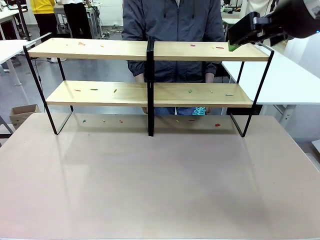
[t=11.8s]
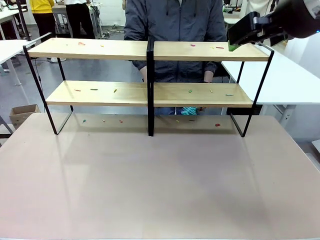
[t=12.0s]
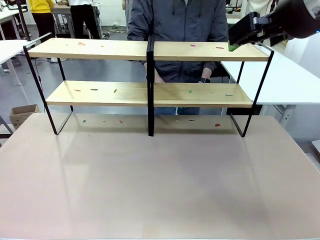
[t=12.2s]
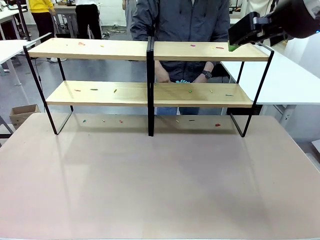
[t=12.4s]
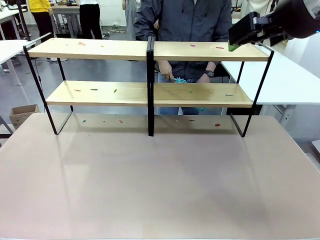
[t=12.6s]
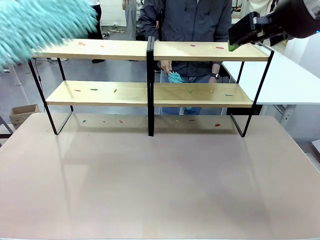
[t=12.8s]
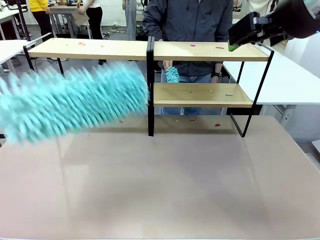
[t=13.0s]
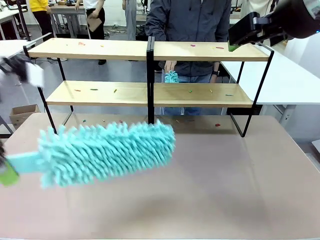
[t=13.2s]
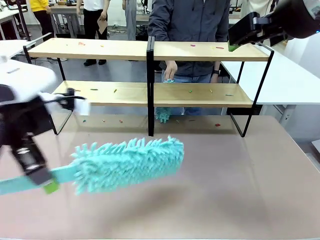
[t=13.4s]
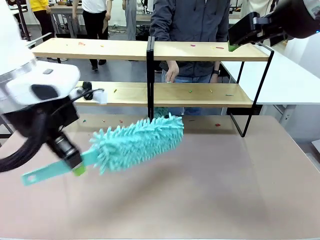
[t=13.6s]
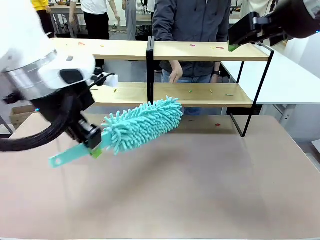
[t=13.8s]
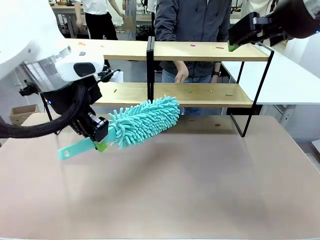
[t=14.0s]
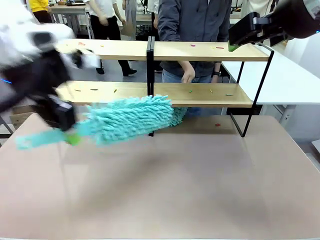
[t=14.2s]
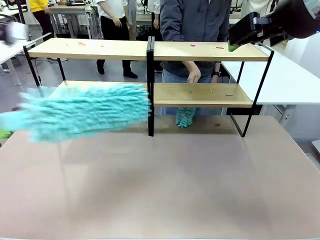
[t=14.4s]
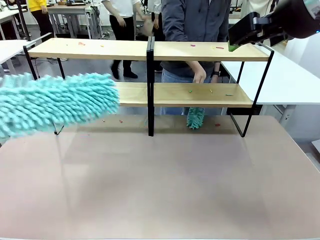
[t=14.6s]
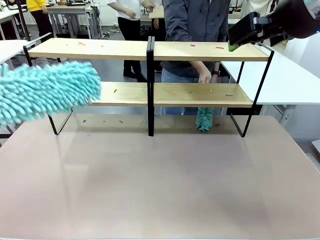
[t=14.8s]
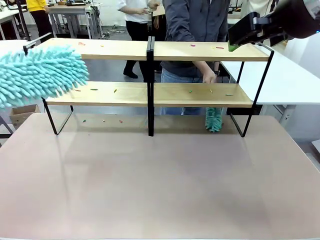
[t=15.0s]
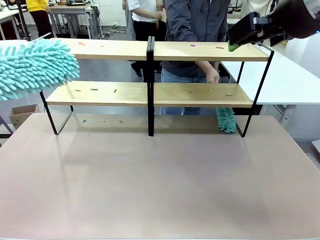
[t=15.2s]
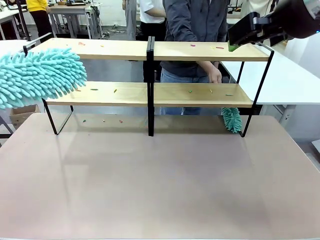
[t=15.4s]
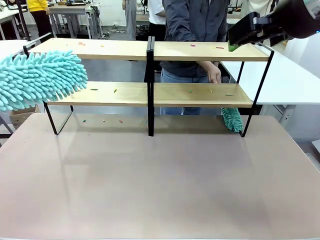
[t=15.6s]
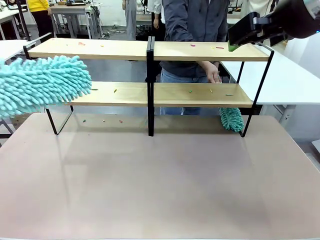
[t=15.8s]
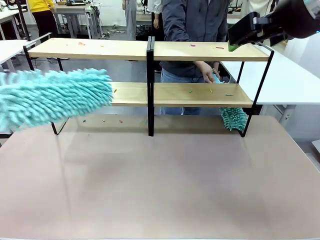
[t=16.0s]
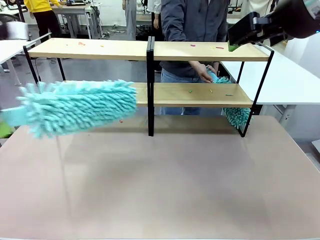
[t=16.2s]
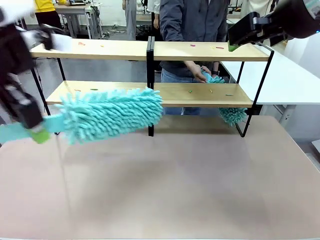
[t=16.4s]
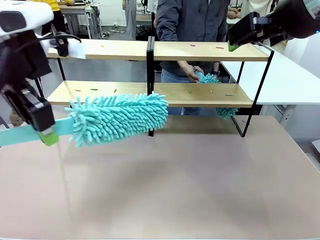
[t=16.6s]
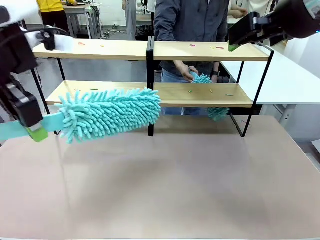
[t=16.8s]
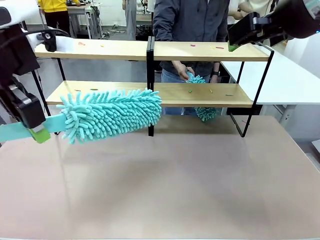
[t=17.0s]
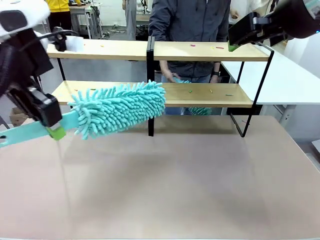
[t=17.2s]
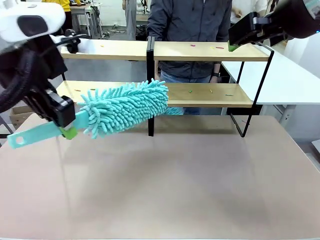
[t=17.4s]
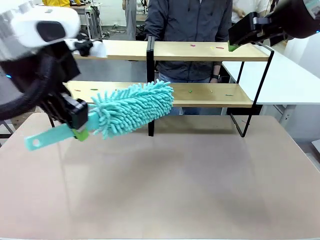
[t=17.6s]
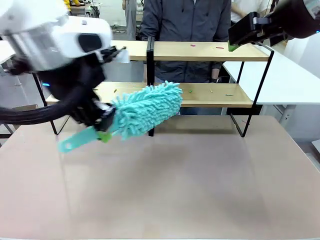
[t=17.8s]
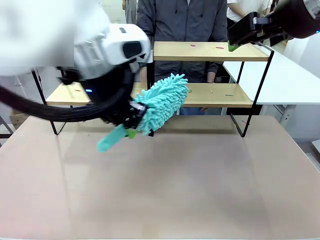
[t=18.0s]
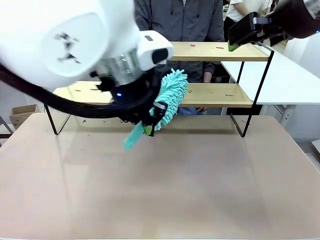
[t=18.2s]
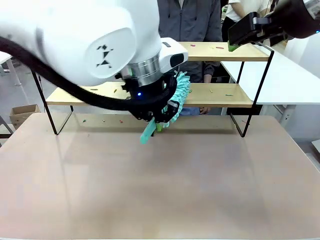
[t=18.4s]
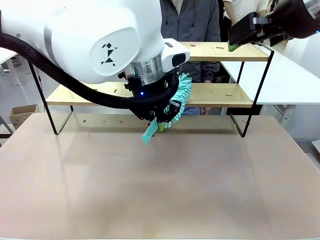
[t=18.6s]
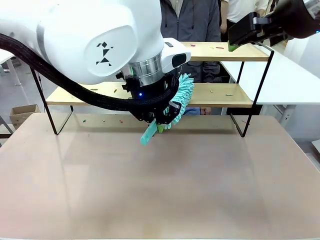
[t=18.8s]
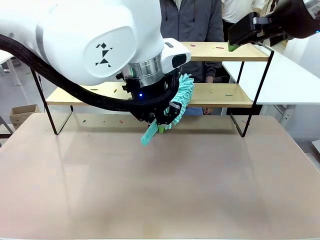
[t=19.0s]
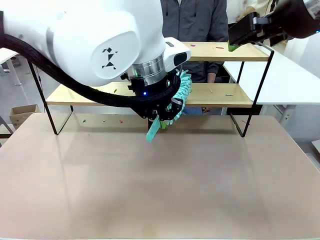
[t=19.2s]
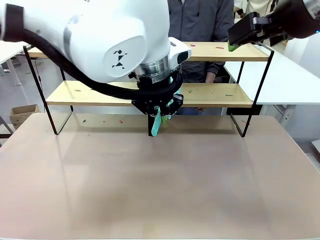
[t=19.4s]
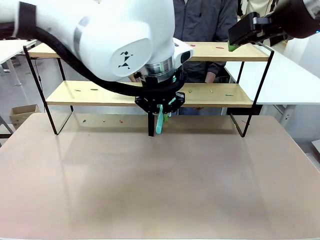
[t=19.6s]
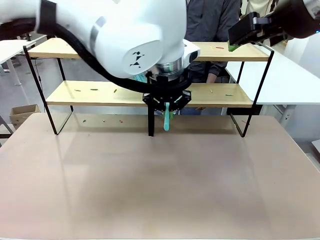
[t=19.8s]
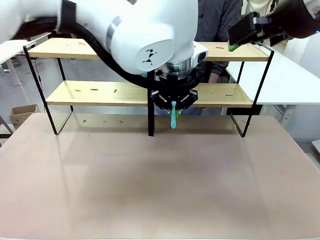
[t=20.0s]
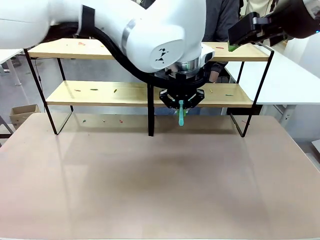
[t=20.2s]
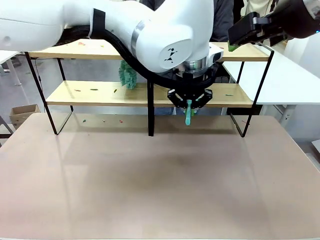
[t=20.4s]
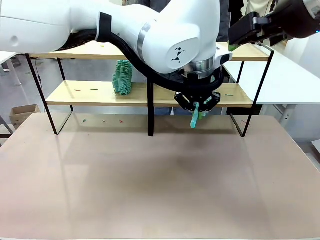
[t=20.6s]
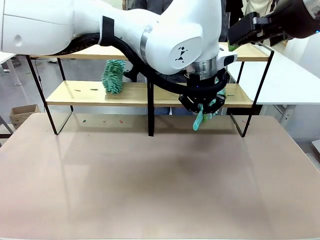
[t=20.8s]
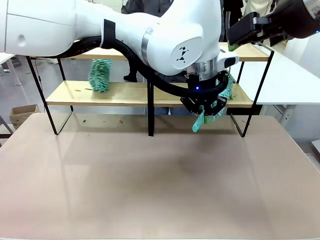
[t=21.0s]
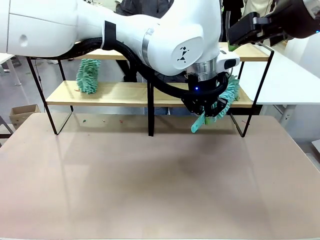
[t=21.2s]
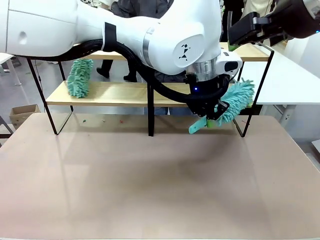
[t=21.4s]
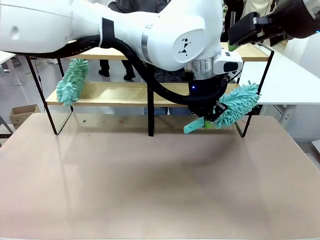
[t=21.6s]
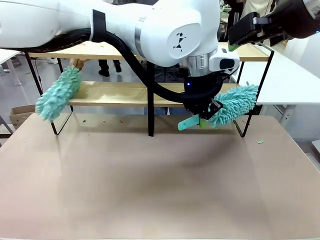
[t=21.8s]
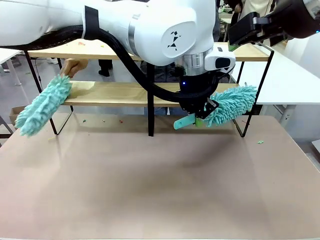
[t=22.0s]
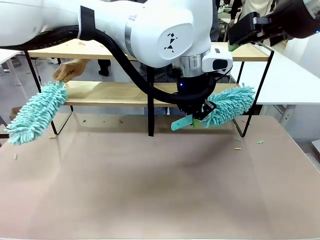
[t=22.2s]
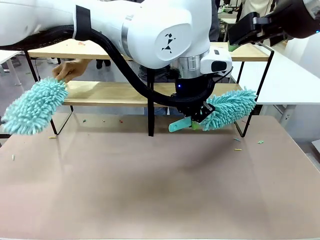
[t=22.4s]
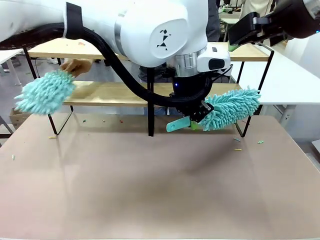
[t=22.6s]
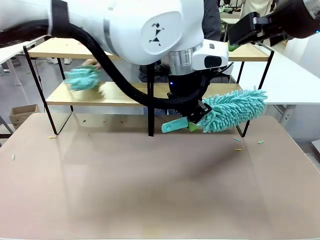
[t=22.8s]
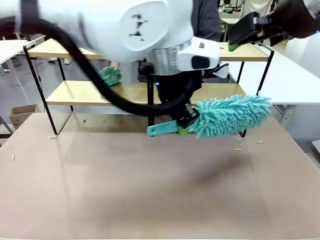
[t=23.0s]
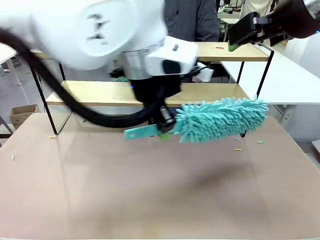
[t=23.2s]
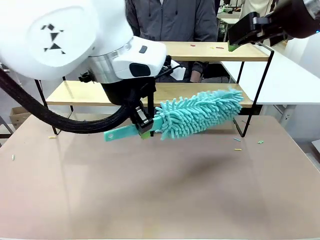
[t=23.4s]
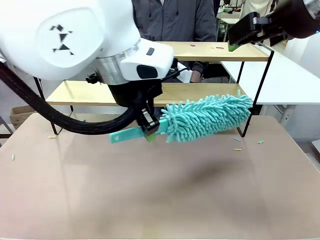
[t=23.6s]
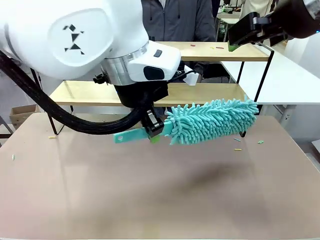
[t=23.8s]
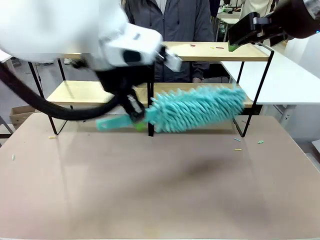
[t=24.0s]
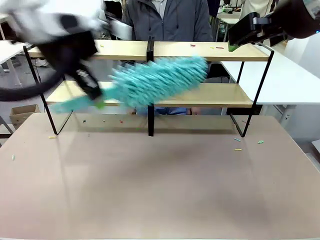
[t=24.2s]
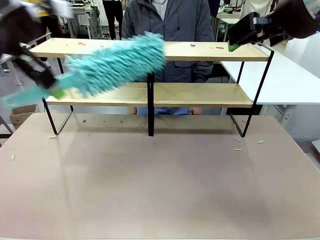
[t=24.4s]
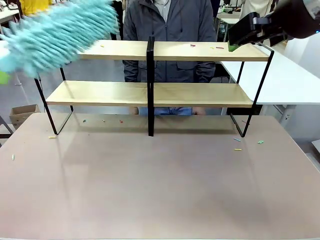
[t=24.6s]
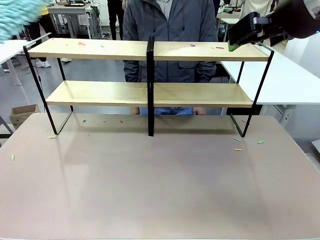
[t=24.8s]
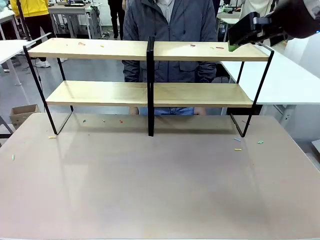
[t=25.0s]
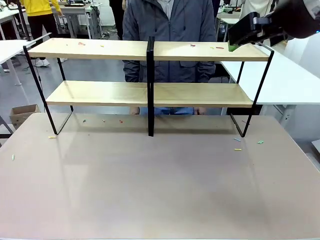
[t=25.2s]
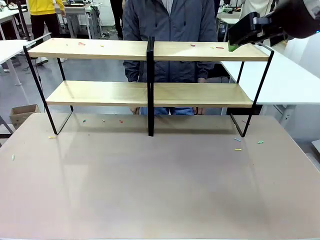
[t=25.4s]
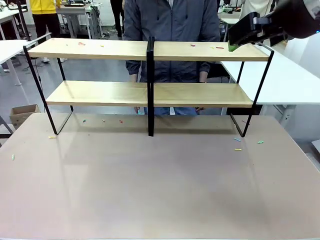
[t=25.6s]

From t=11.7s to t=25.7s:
Task: Clean the shelves.
Robot: Clean a randomly selected level of the Shelf with the Duster.
